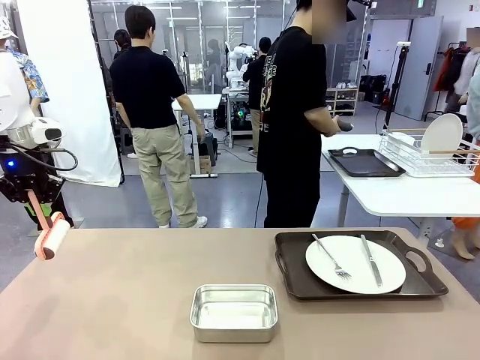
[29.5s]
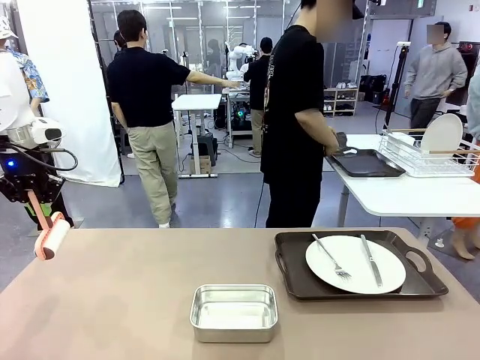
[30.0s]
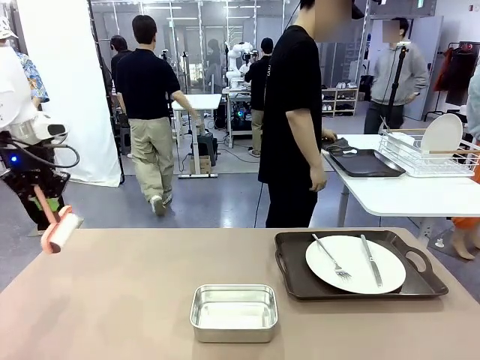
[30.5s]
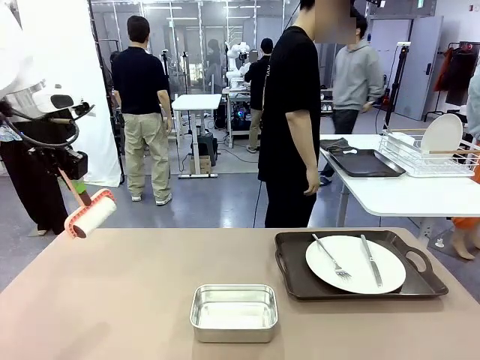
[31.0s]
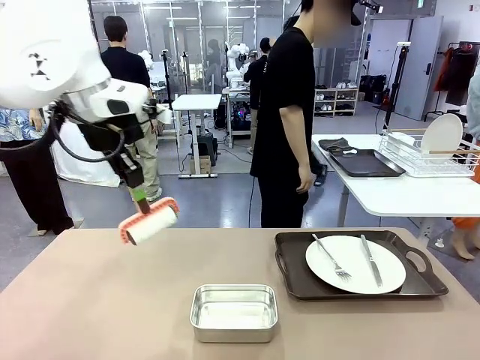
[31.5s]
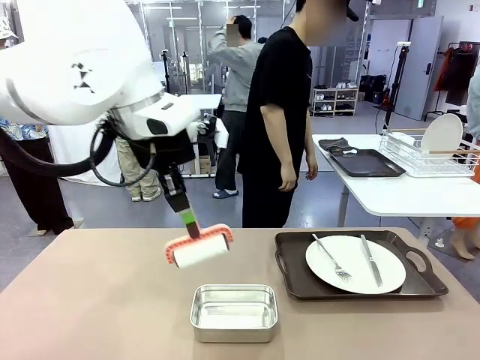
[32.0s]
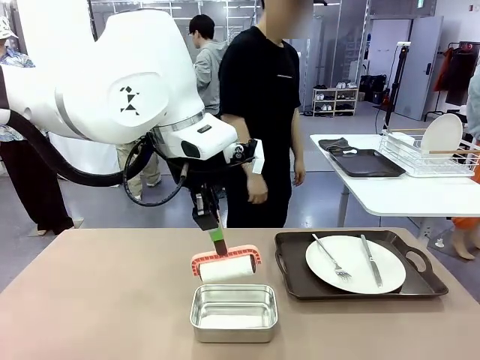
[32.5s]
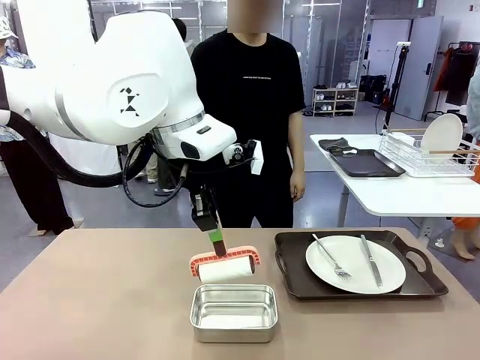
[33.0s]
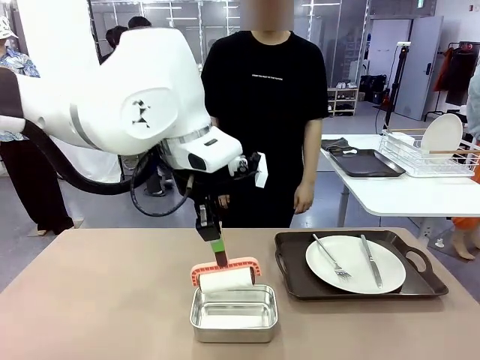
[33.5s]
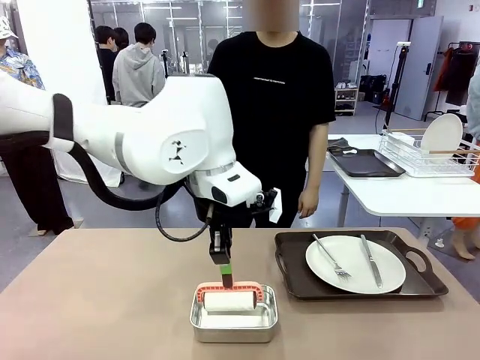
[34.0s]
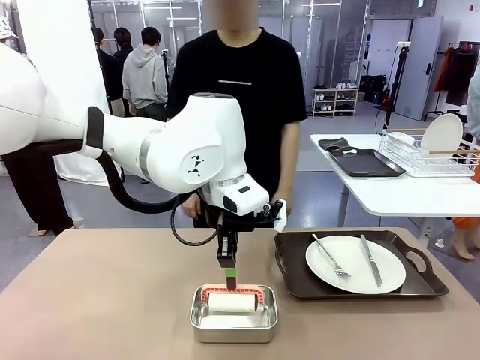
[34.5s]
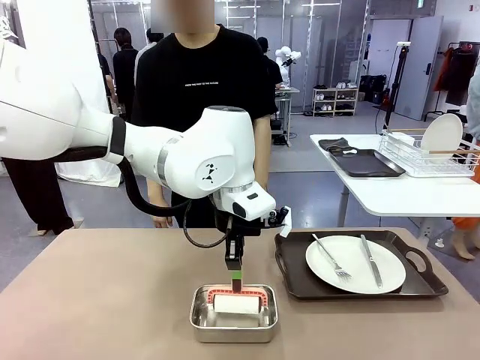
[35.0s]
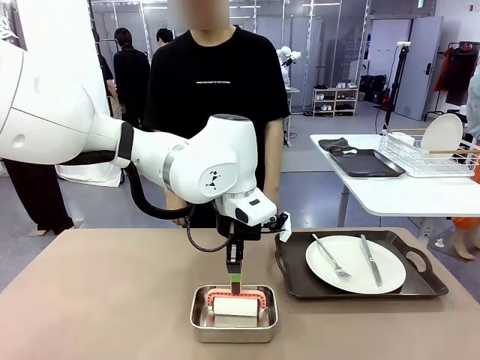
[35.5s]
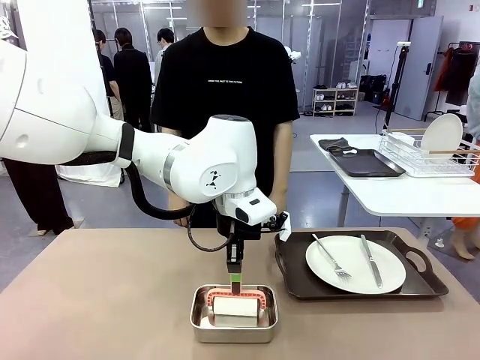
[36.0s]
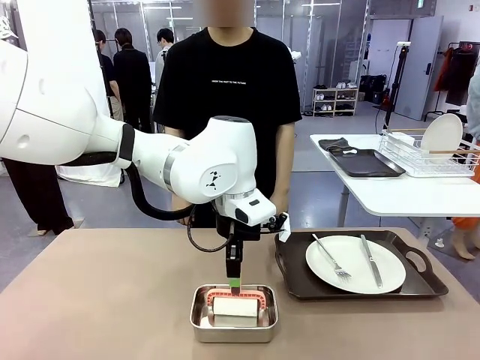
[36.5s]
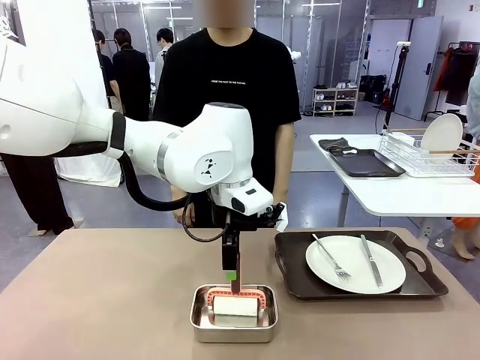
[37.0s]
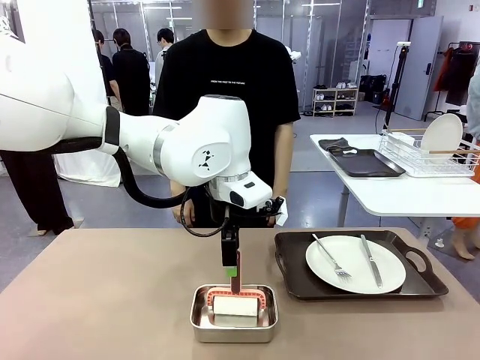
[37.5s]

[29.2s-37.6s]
Robot: Place the Lint Roller back on top of the Airtight Container.

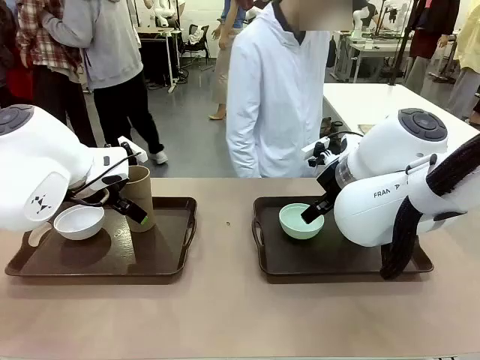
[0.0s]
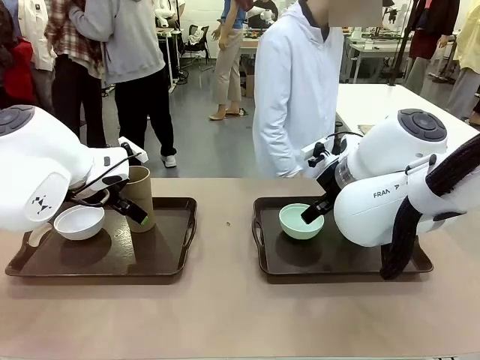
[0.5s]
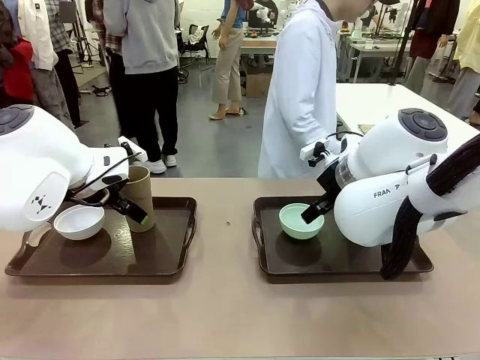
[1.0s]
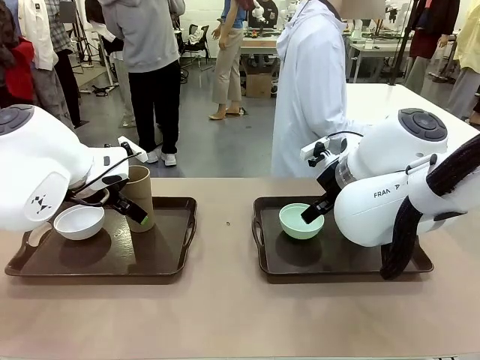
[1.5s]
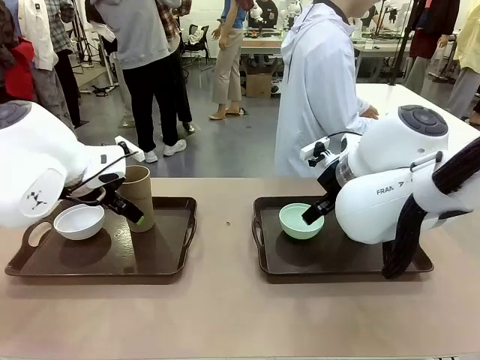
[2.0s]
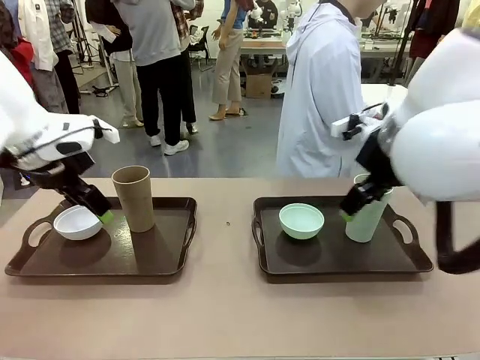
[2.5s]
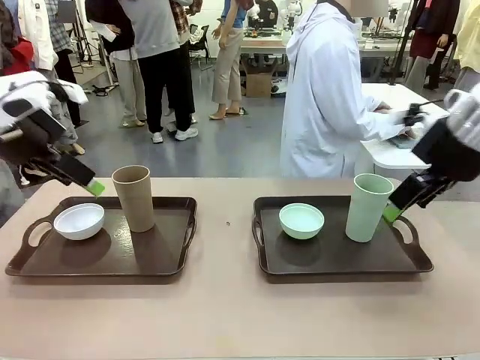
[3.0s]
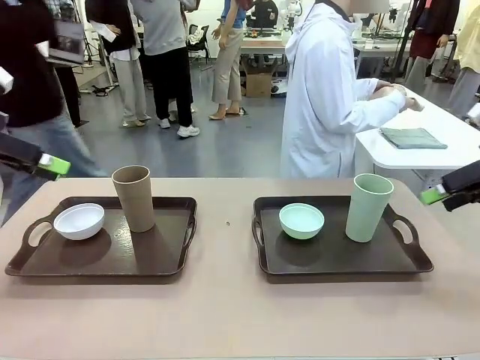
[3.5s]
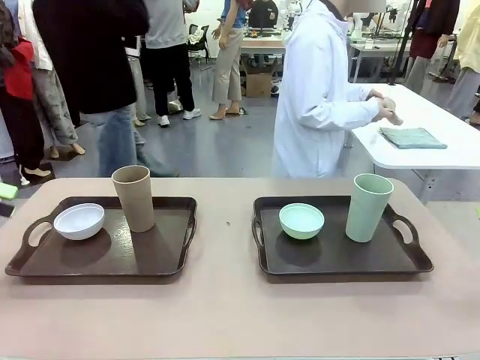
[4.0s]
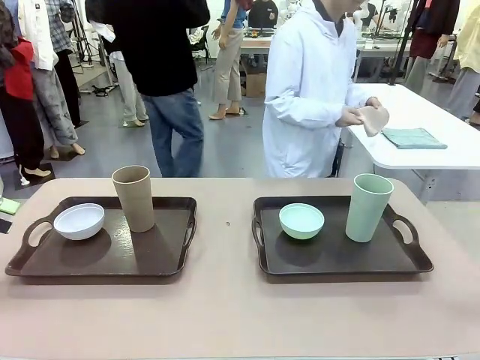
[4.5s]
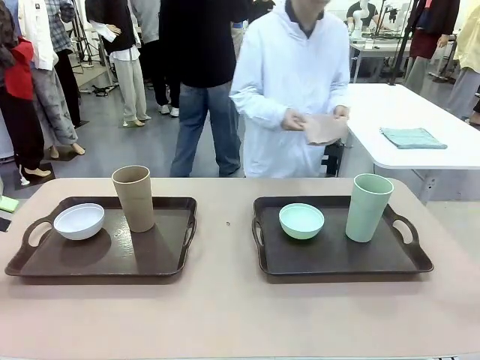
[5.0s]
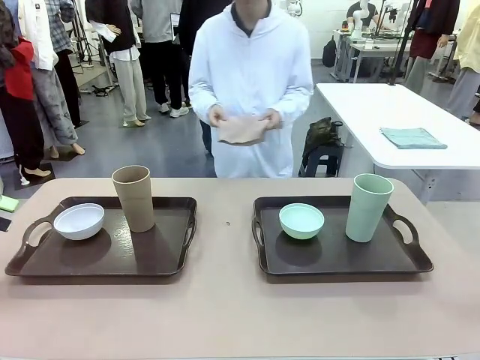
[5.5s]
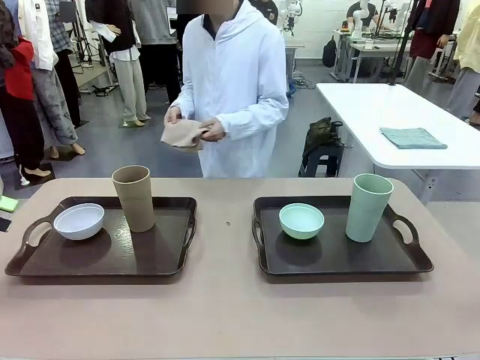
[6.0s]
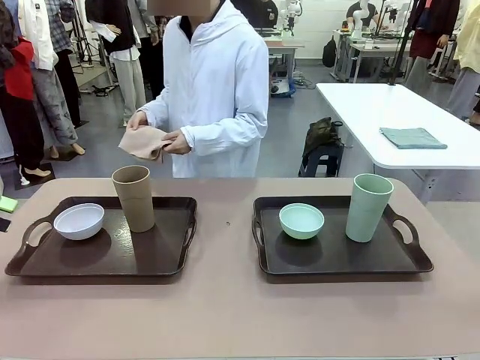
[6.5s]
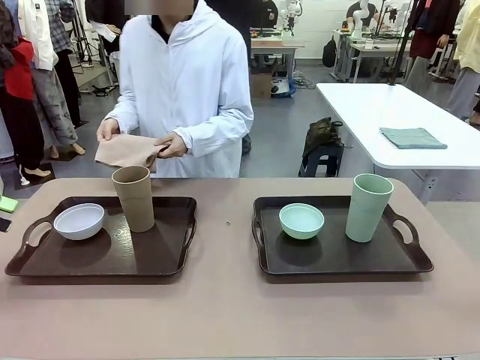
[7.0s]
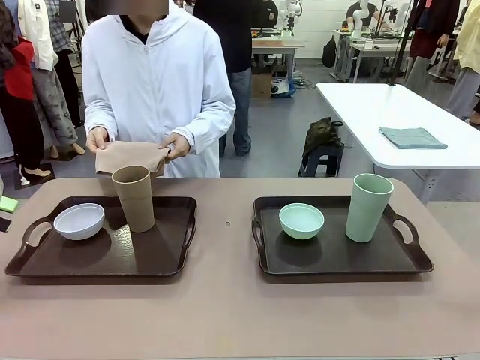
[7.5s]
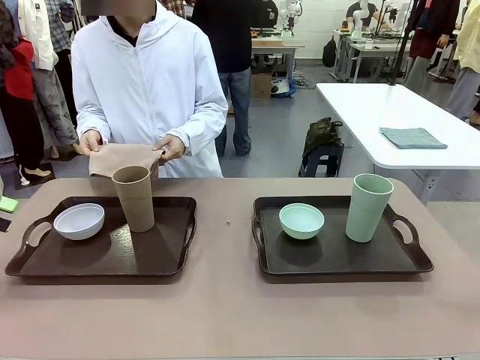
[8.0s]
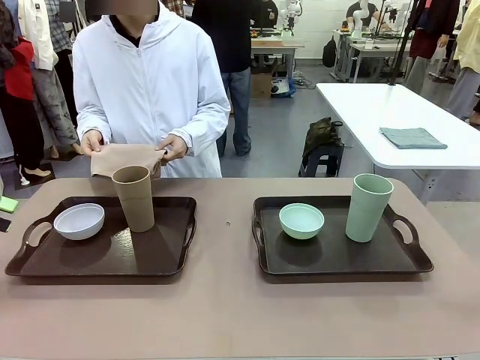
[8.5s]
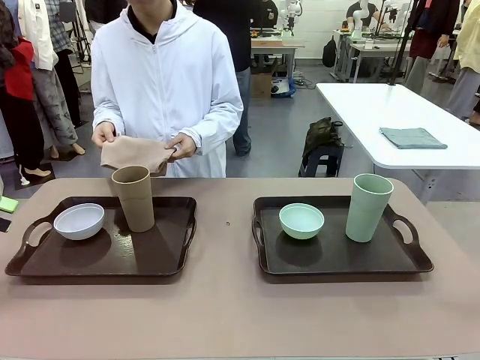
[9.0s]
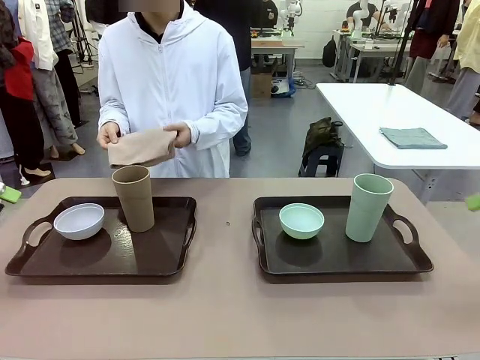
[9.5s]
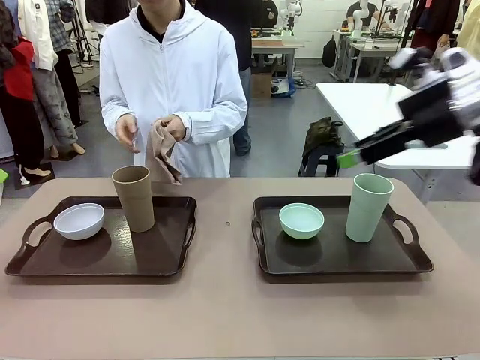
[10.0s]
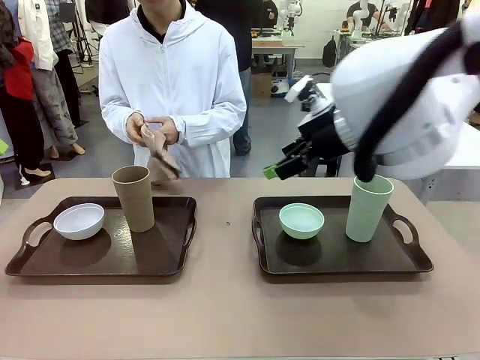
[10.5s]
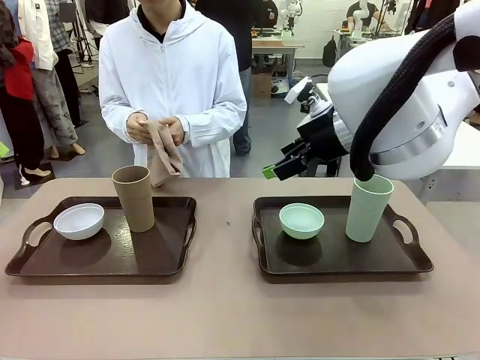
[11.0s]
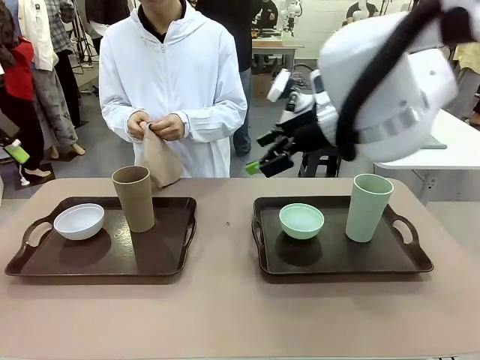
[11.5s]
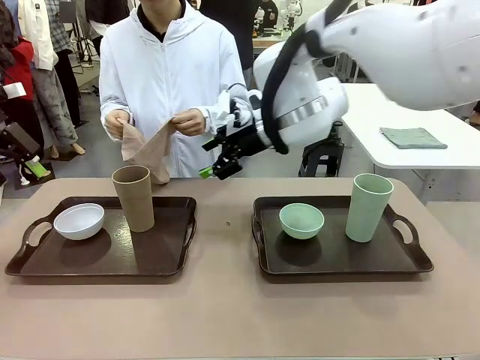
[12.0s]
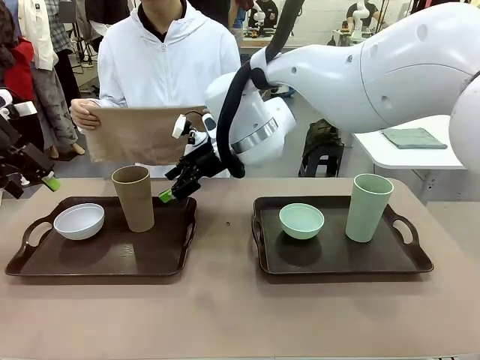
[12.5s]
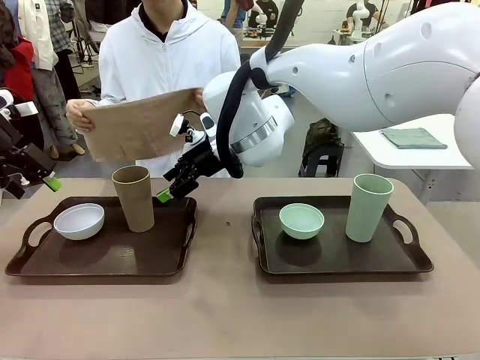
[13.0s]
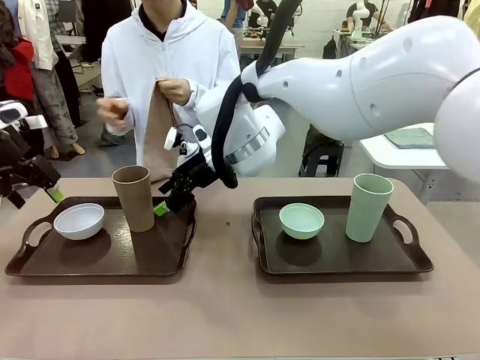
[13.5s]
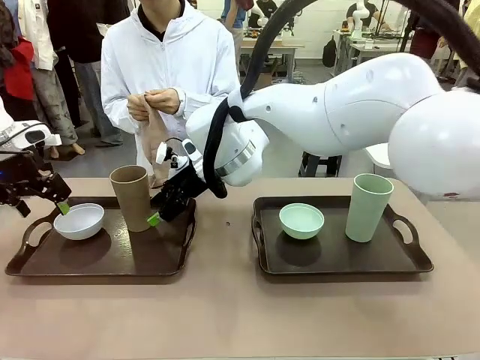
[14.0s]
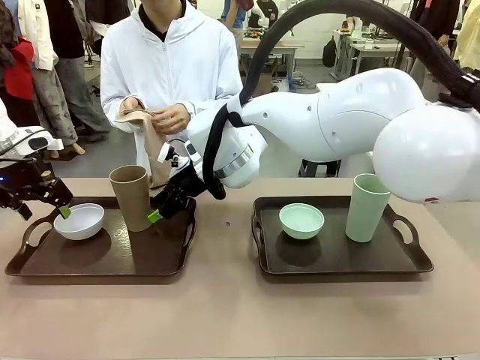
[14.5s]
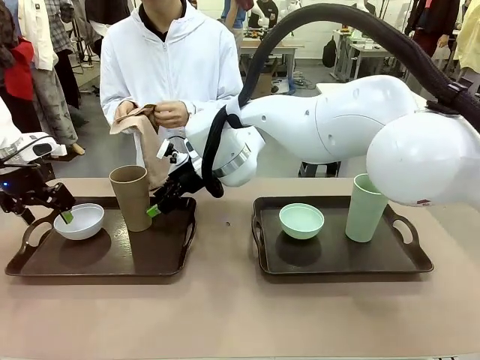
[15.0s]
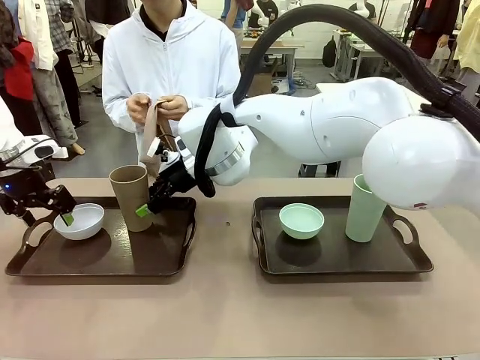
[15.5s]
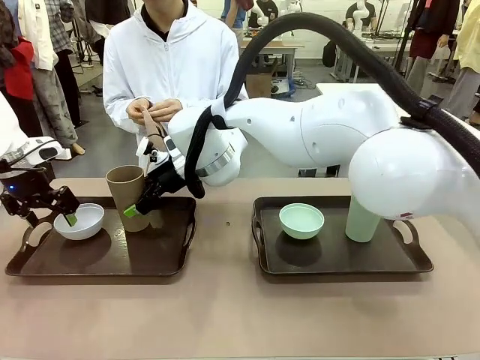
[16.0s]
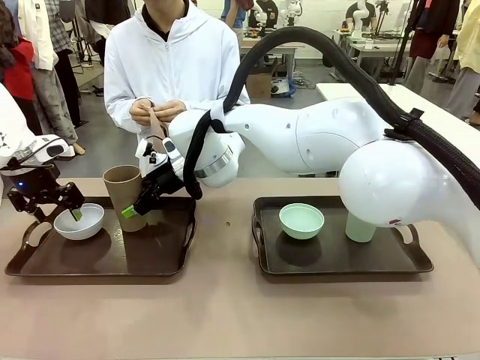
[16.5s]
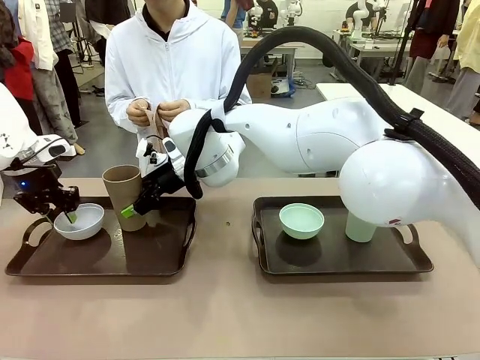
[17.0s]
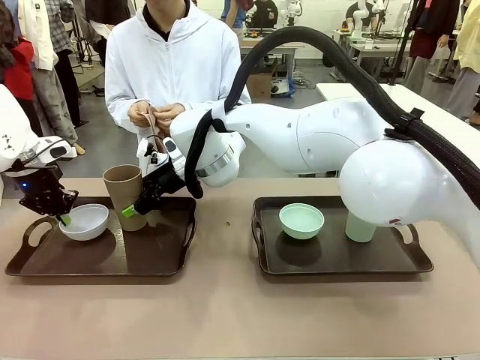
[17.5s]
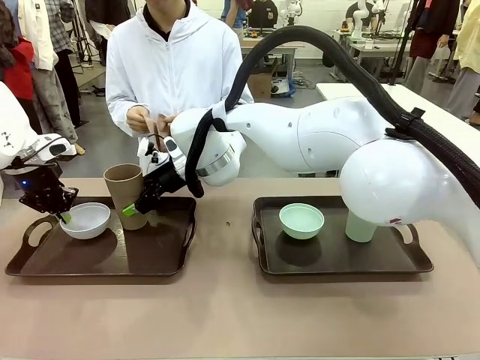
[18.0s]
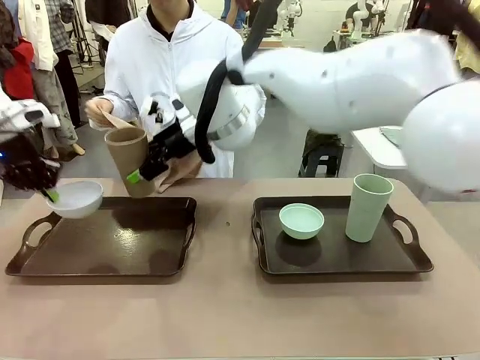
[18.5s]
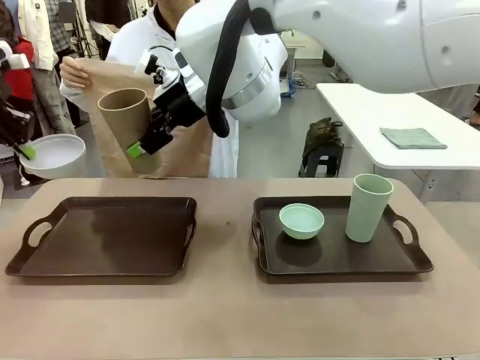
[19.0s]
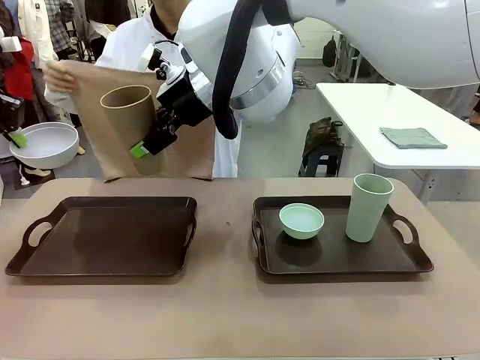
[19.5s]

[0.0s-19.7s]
Robot: Pick up the Picnic Bowl and Reusable plastic cup from the Handle tray in front of the human's position and hold them in the air.
Person: The human picks up the top napkin from the stack on the human table and walks to the robot table to stand in front of one of the two trays. When the robot lifts the bowl and the cup, the human unfolds the napkin and lays the napkin flat on the tray.
